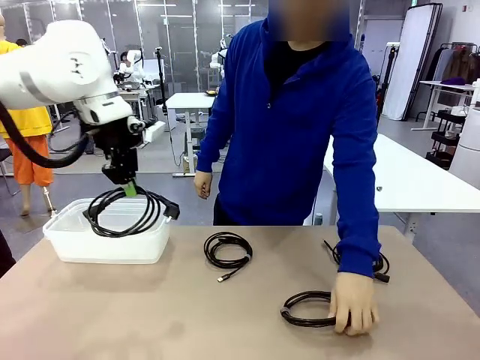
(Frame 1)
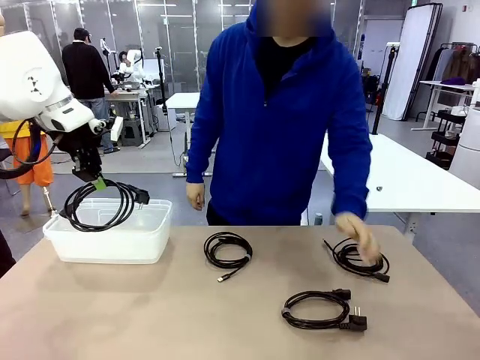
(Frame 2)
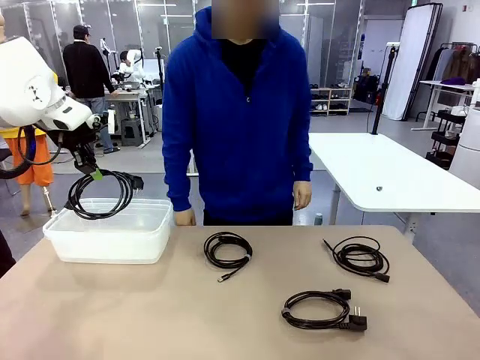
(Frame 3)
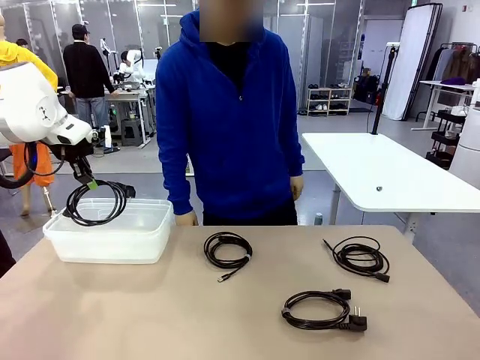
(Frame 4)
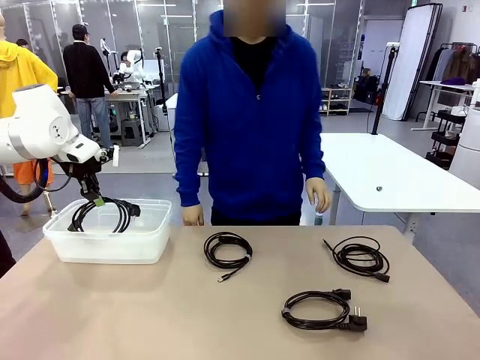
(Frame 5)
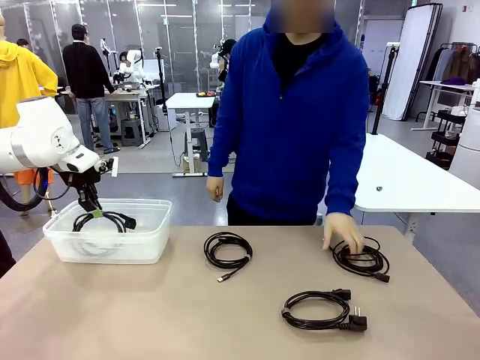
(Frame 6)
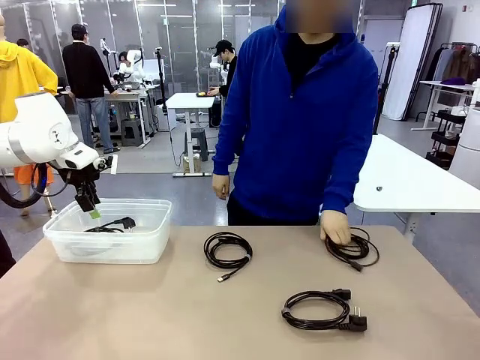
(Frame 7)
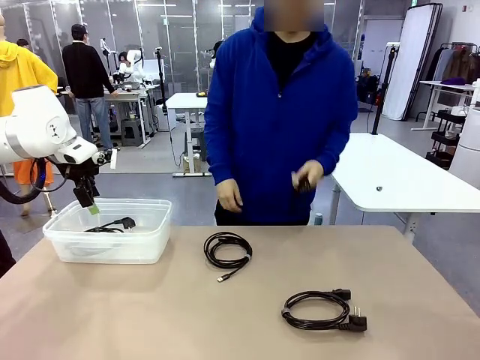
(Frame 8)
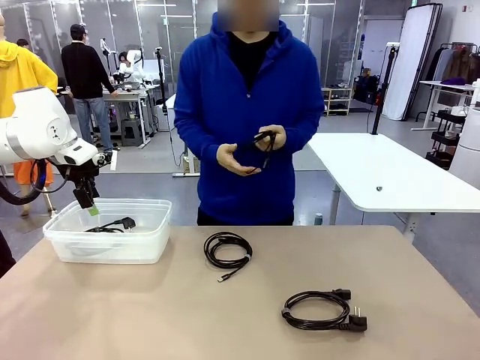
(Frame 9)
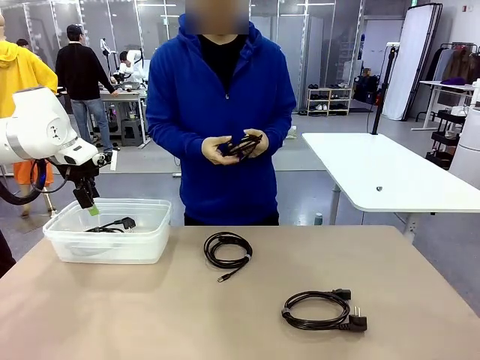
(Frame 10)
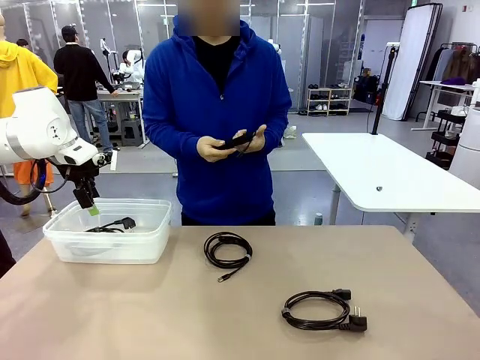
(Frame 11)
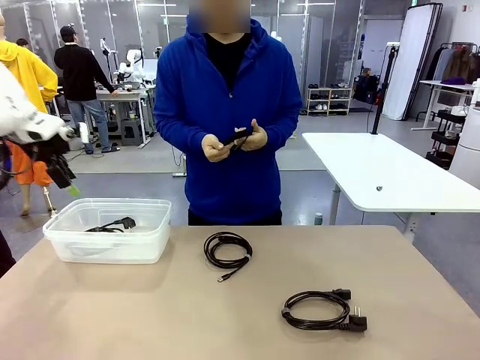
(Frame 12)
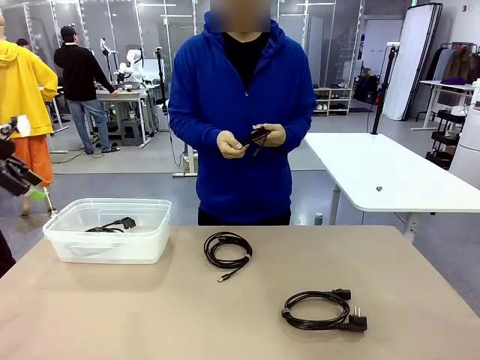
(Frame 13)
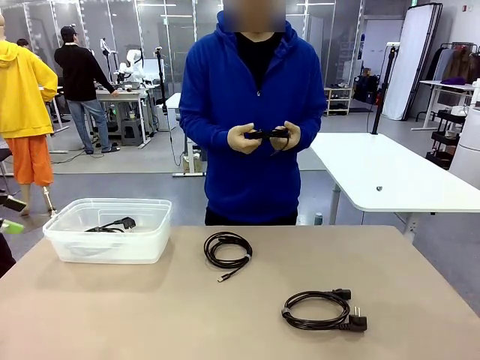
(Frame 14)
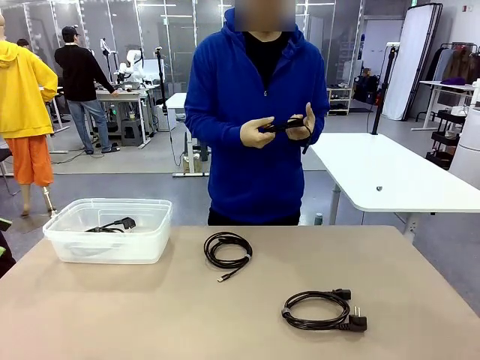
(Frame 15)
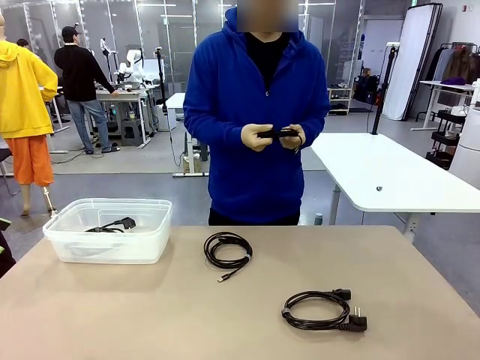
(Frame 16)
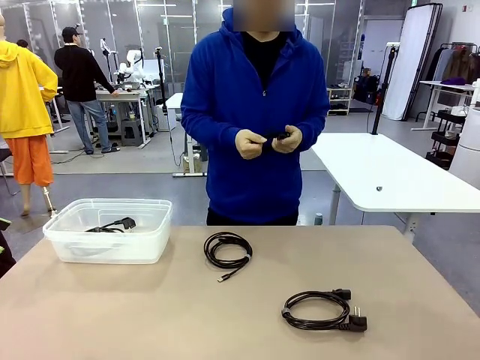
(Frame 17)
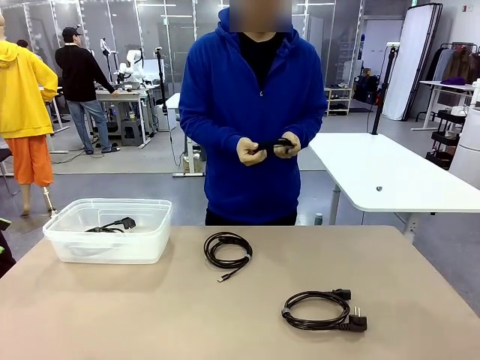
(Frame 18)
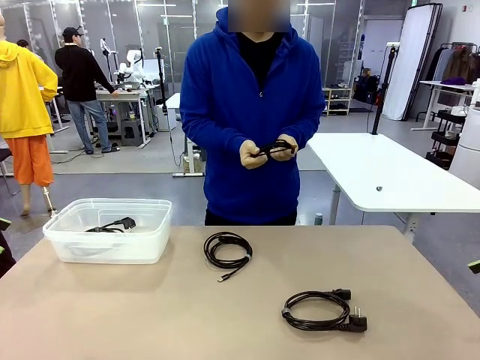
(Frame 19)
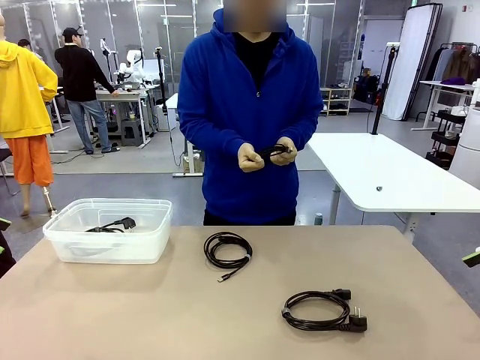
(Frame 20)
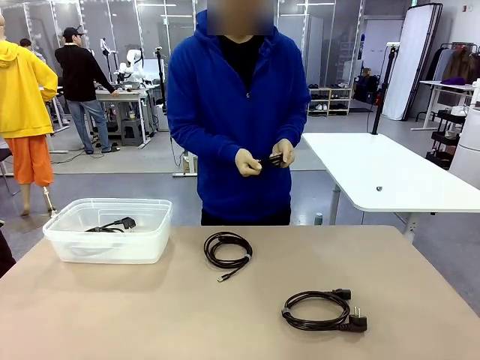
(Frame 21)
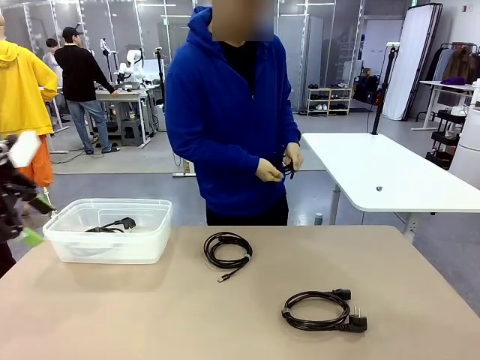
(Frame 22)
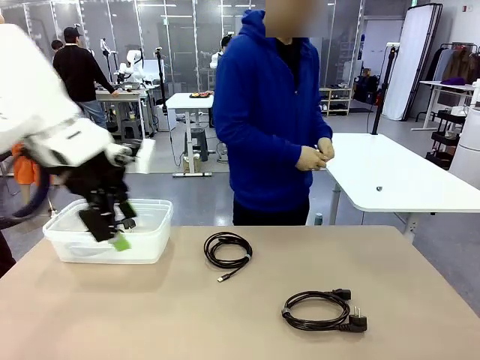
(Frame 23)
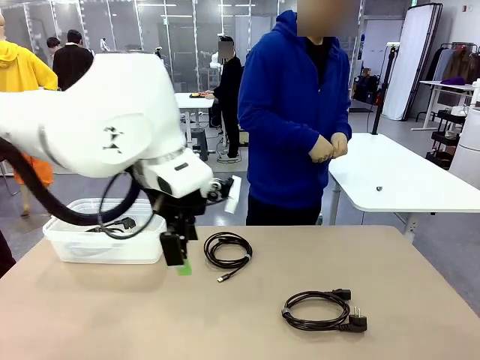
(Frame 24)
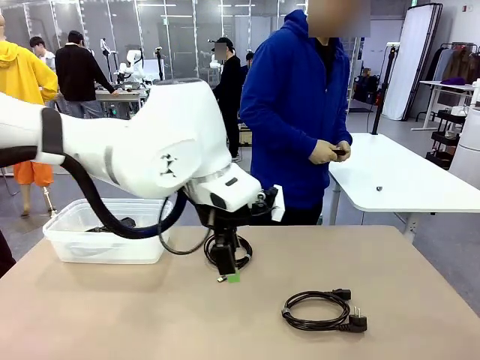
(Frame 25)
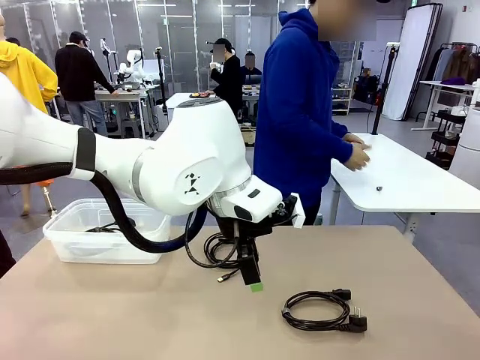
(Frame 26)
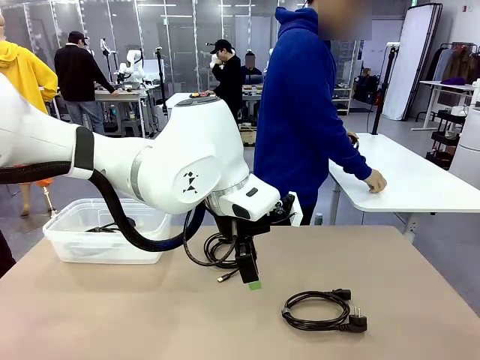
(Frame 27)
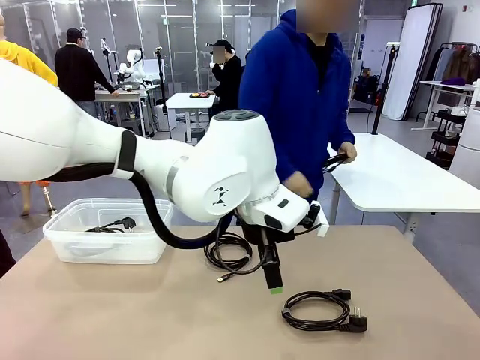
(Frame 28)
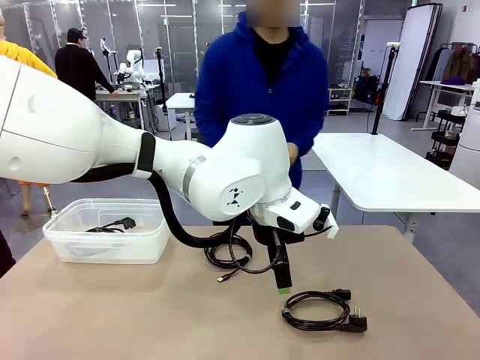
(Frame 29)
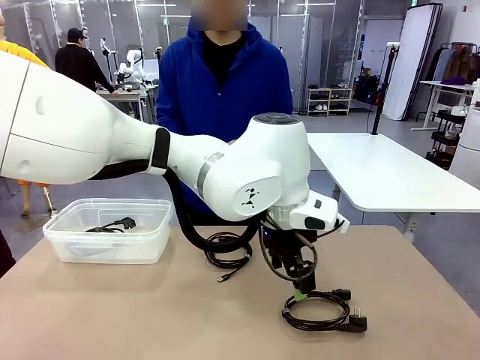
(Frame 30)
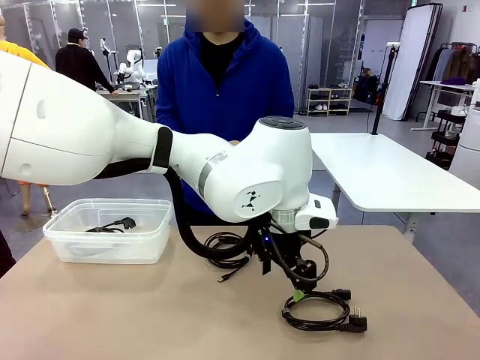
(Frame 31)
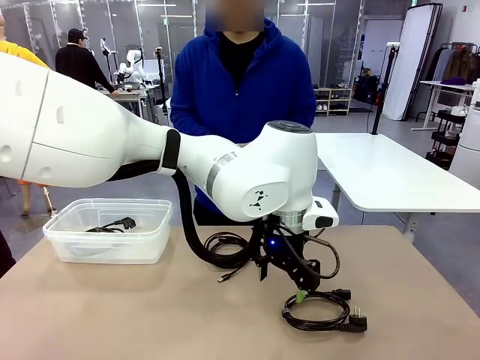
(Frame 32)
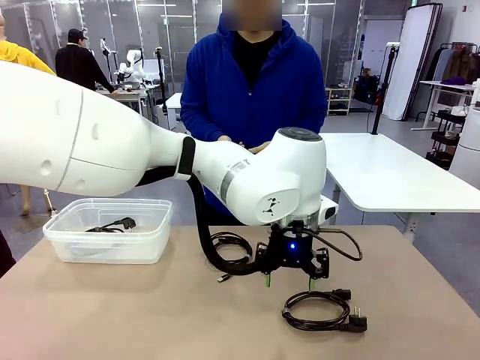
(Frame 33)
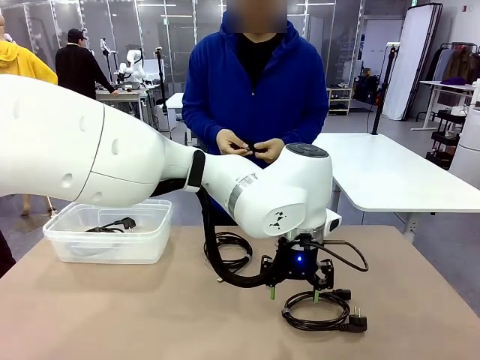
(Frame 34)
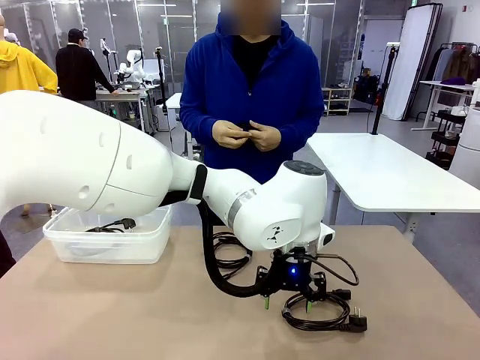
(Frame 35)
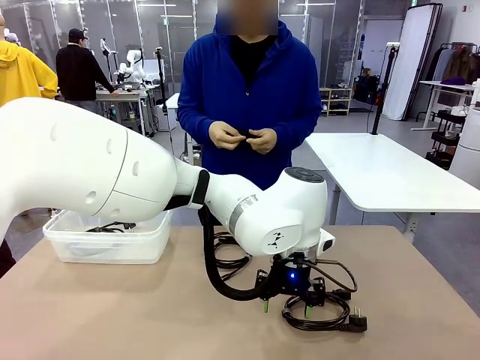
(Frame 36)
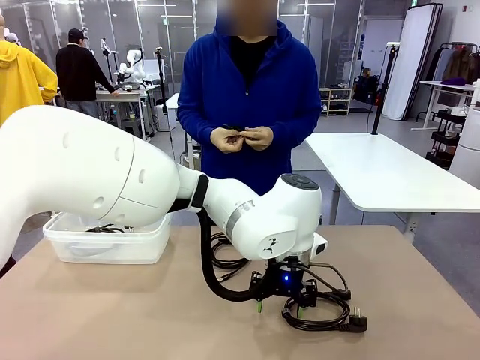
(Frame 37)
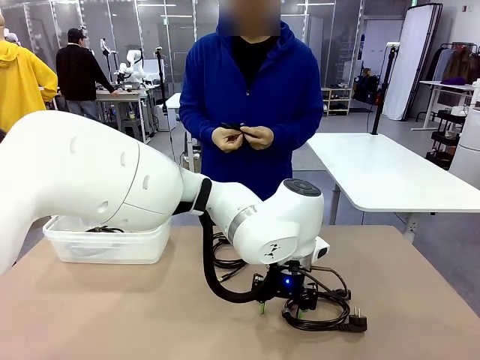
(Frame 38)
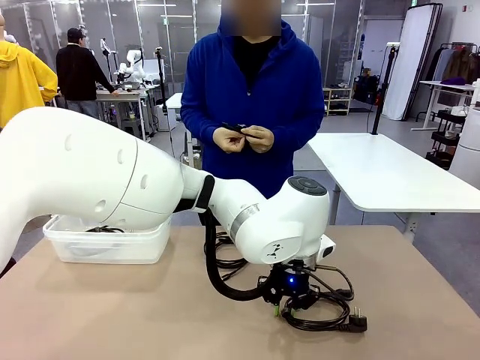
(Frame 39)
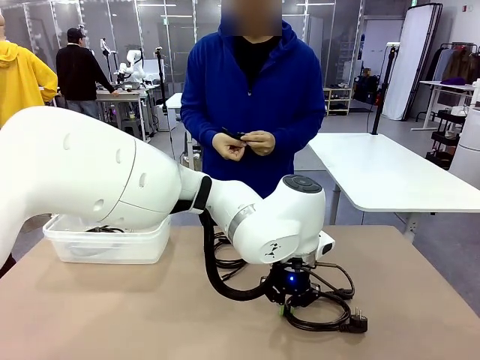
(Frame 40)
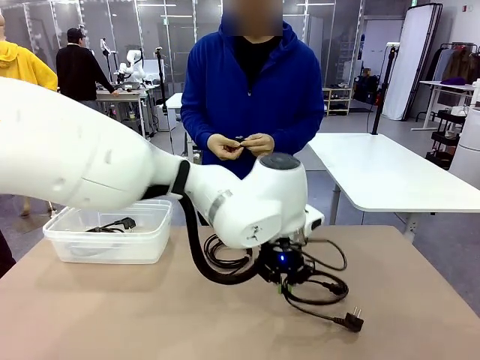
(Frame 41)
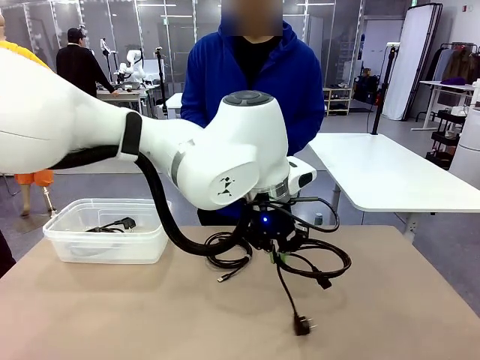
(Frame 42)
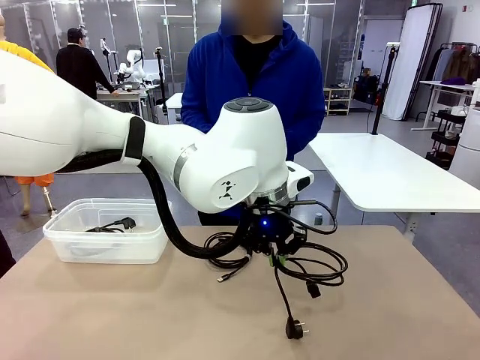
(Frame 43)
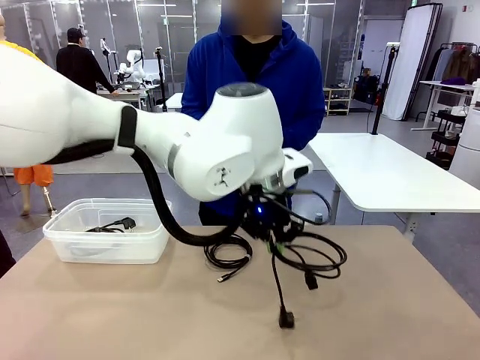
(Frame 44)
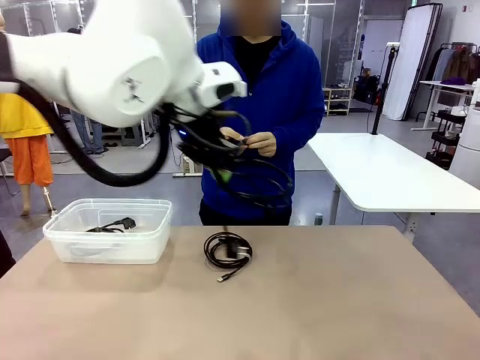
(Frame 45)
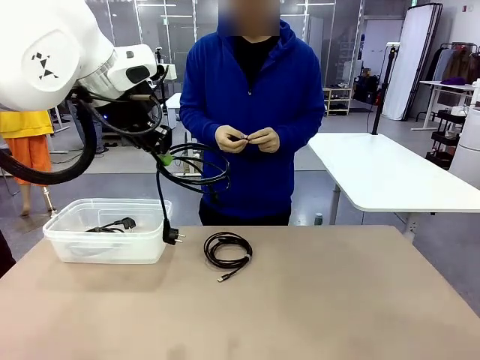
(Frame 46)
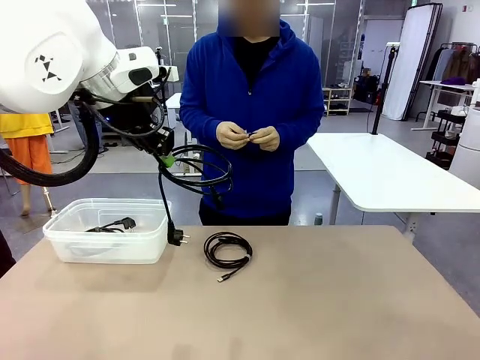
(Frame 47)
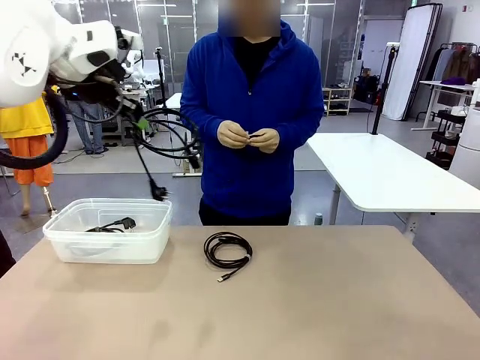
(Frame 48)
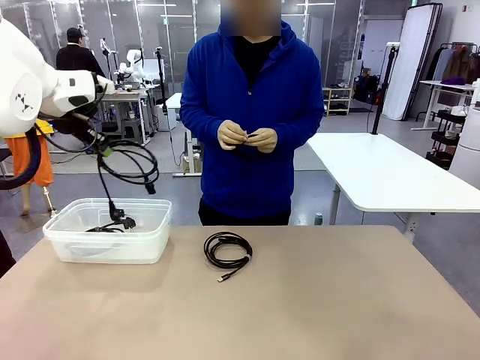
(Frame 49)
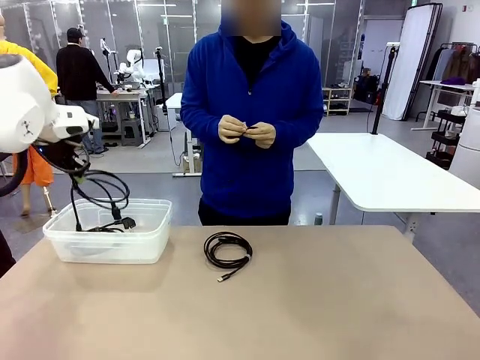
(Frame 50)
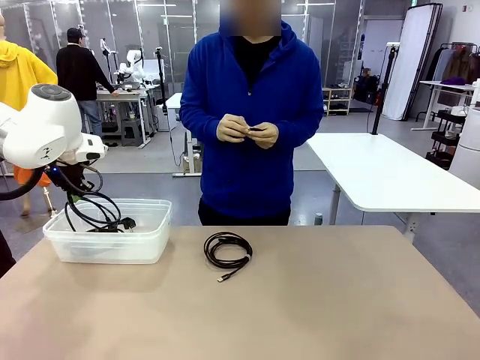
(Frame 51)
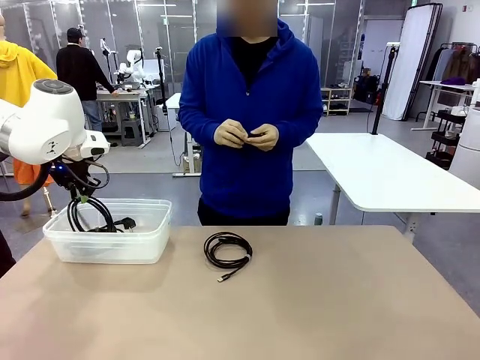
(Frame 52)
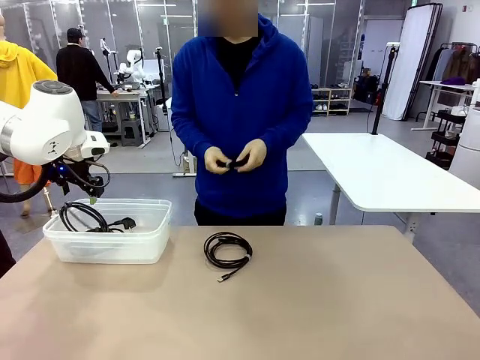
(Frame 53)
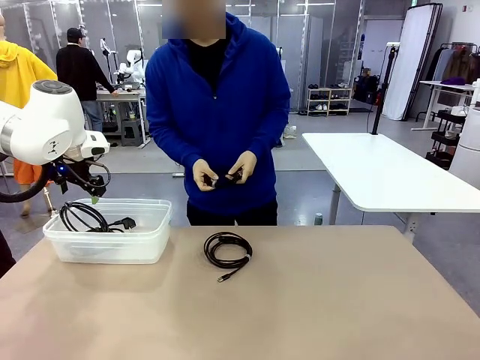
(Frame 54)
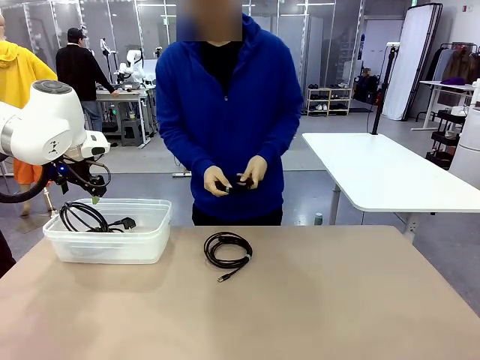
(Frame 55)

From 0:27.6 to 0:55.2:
Task: Organize and store the cables.
Robot: Place the Power Cable into the Organizing box.
